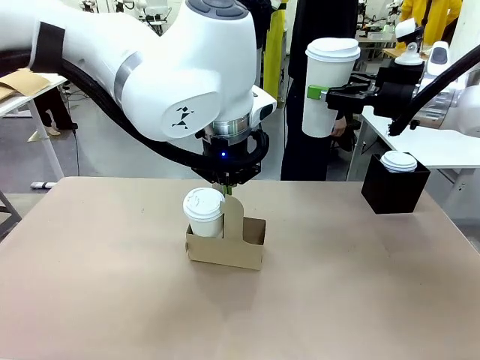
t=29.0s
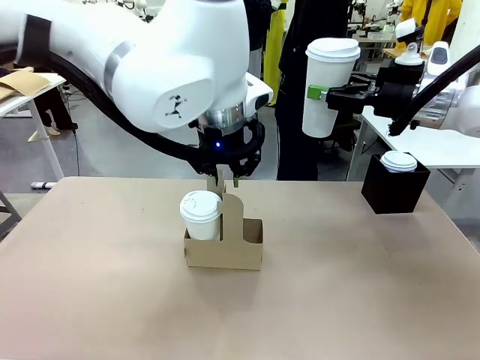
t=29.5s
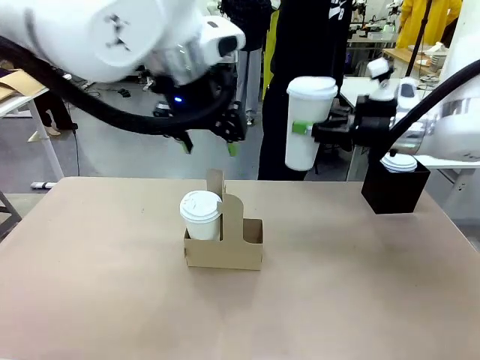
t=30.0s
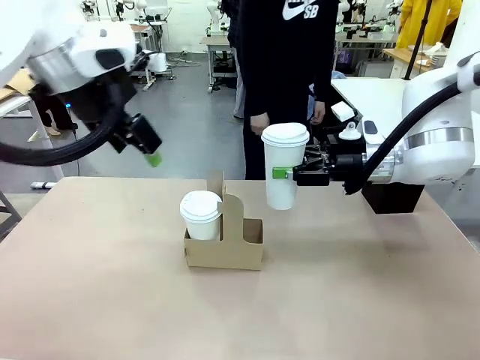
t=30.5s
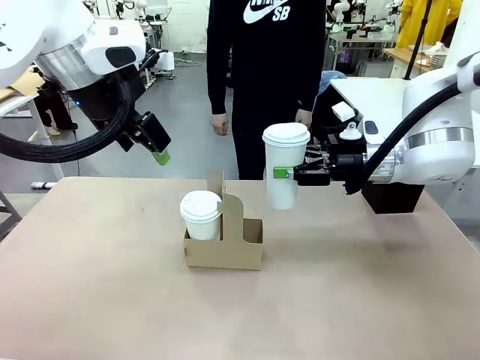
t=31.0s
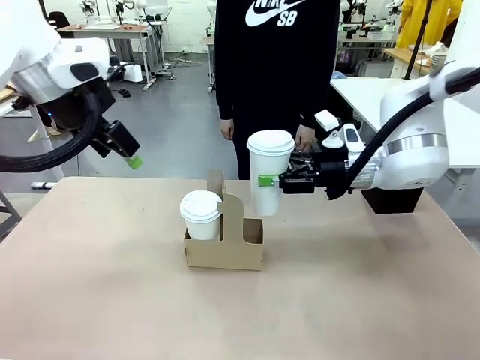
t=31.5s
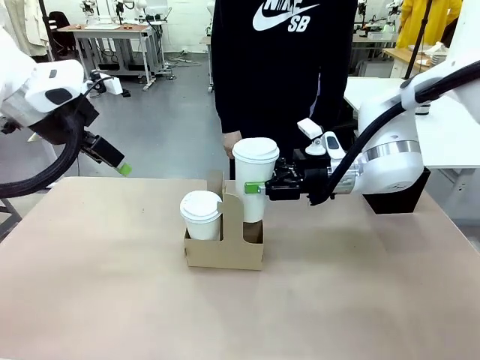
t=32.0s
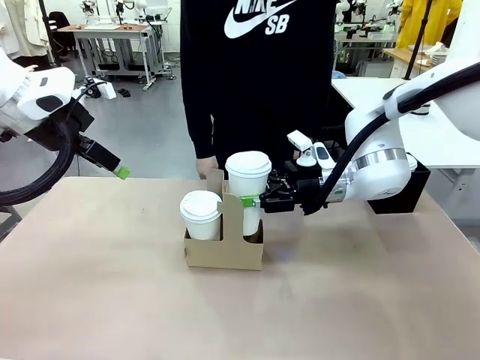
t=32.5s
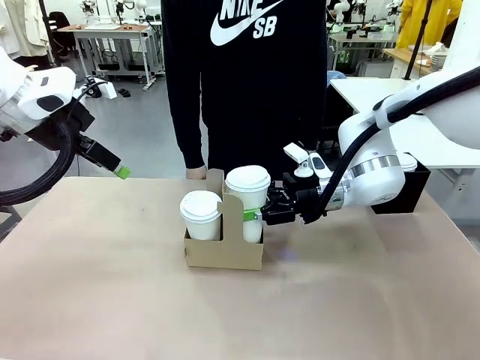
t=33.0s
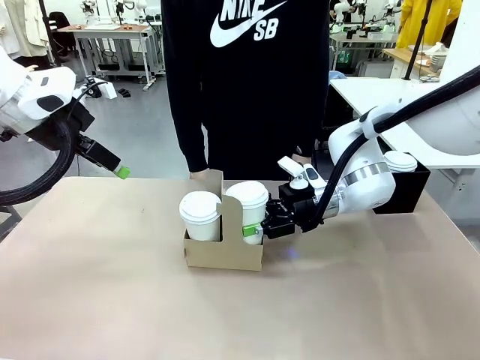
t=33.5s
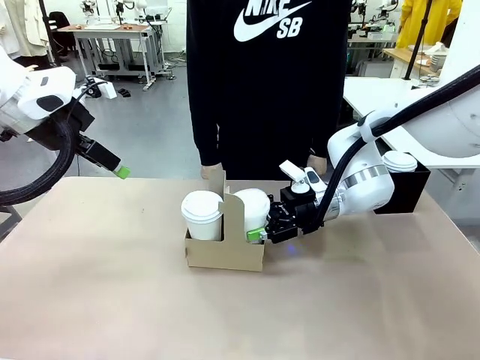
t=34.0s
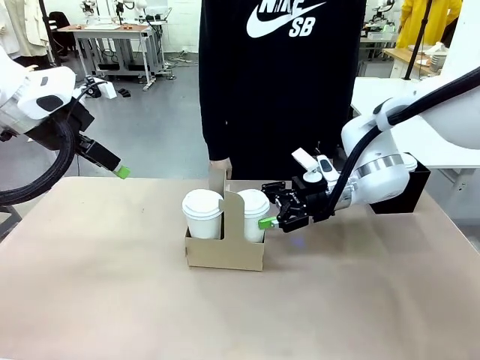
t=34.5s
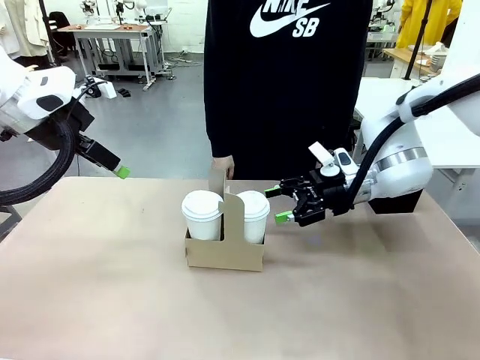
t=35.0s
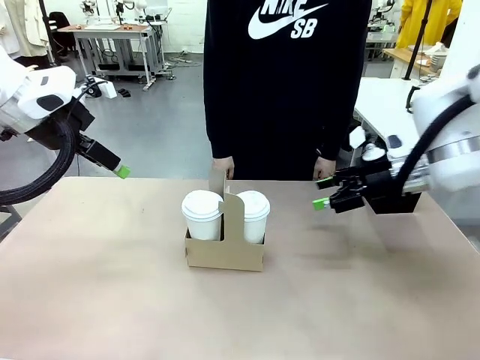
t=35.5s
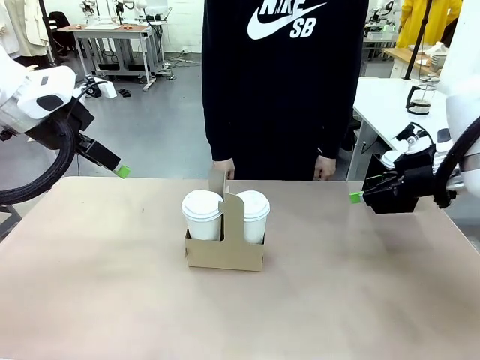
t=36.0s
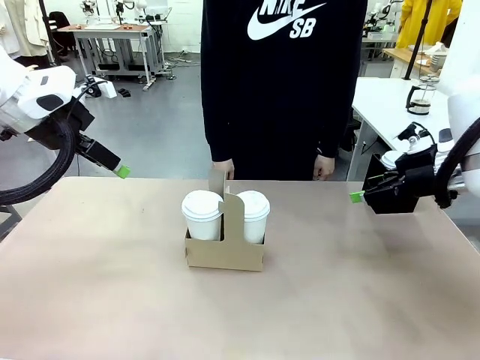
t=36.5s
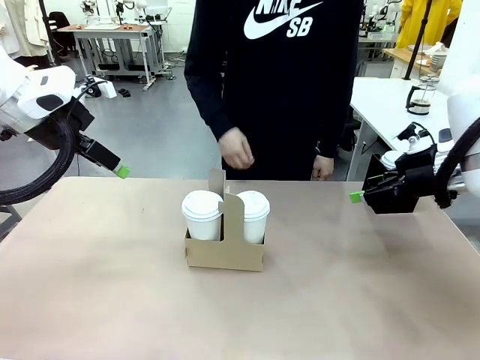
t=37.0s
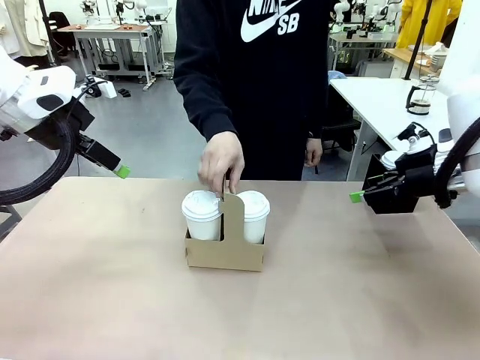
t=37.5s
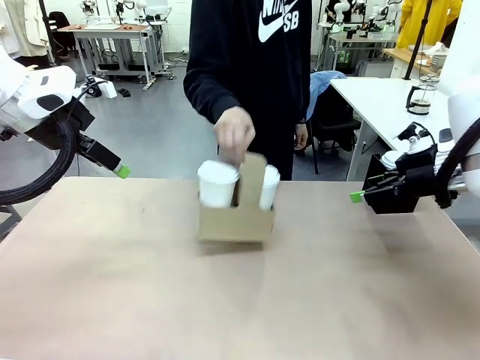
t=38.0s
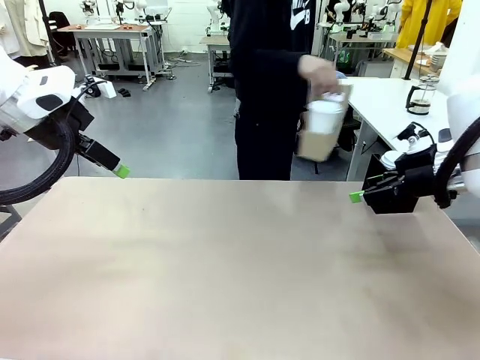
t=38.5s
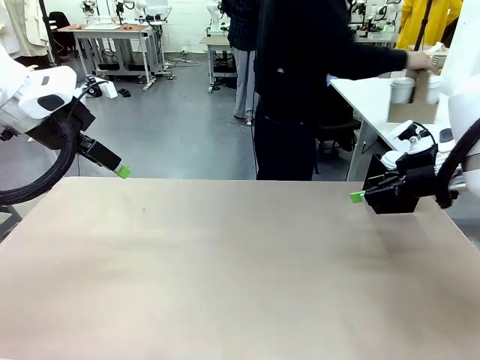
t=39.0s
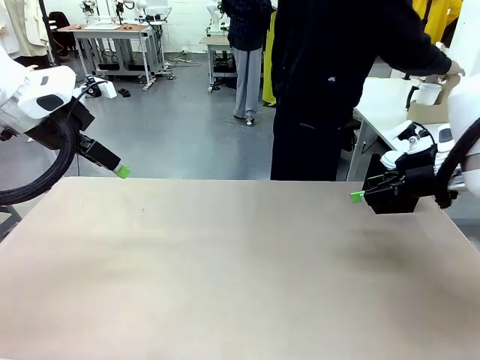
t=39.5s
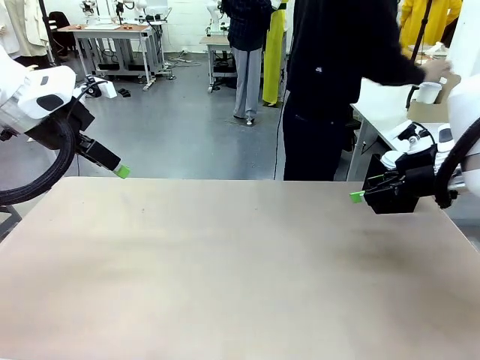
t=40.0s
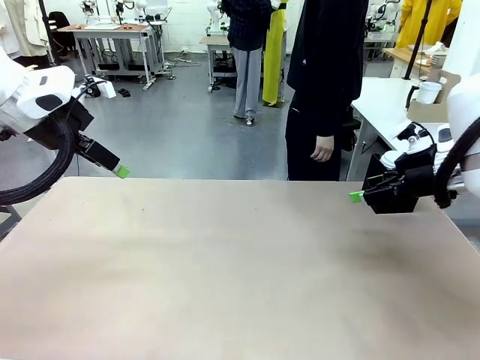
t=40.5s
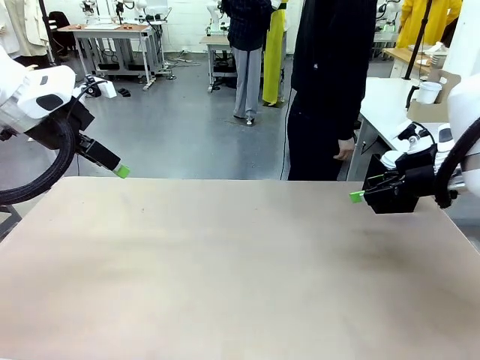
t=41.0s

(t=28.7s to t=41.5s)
Task: Pour a drink into a cup and package it in a carrier.
Robot: Insert the held 600 ml Paper Cup into the Cup Carrier.
Person: Place the Cup Carrier to the middle of Human table.

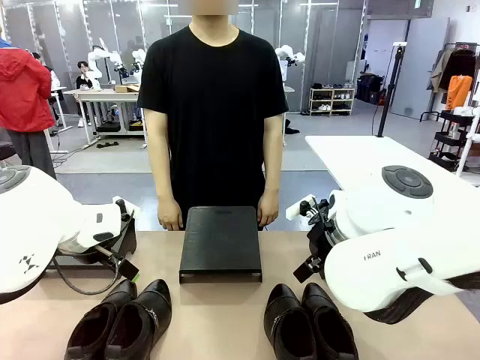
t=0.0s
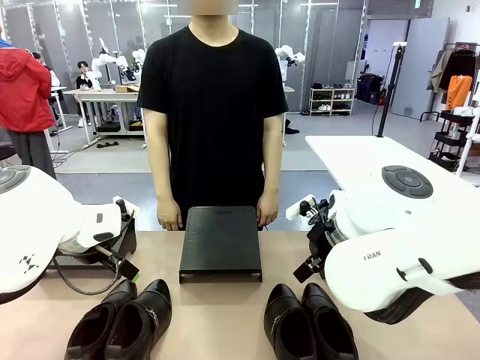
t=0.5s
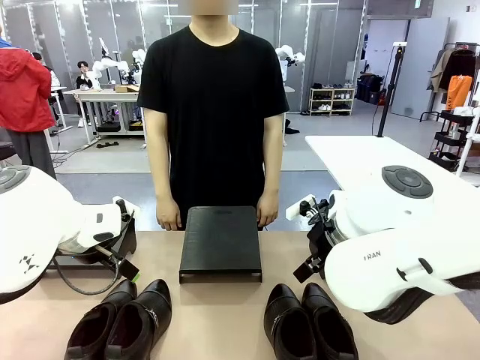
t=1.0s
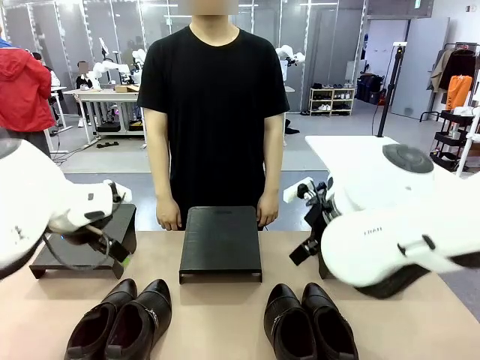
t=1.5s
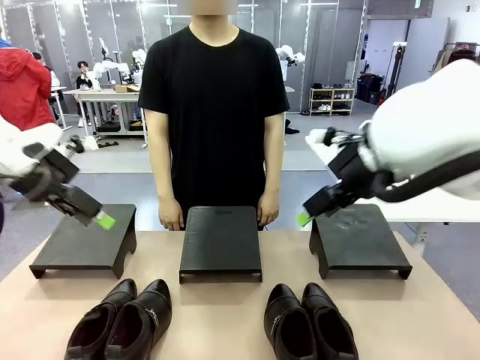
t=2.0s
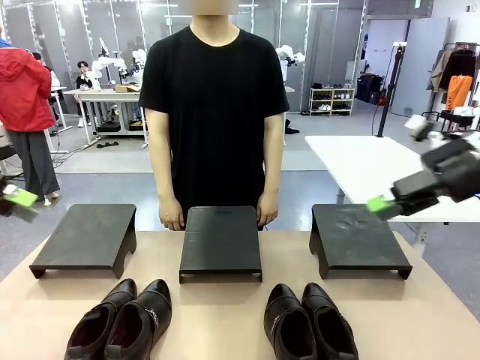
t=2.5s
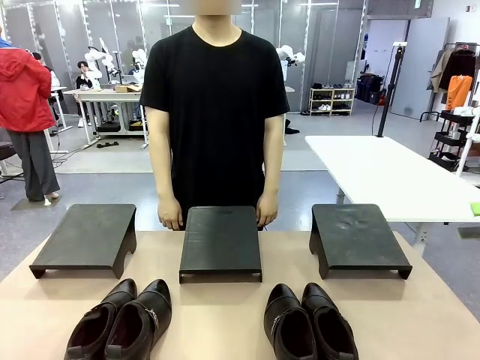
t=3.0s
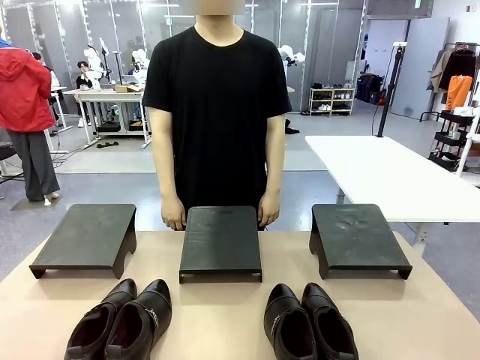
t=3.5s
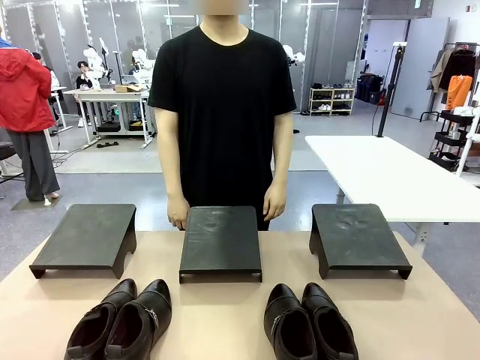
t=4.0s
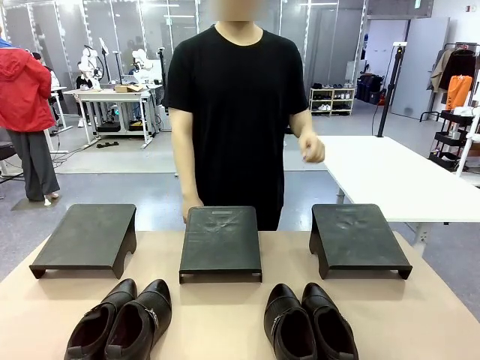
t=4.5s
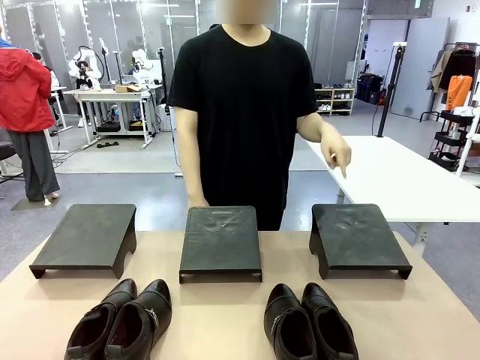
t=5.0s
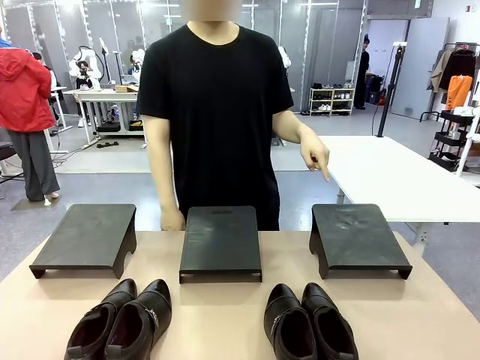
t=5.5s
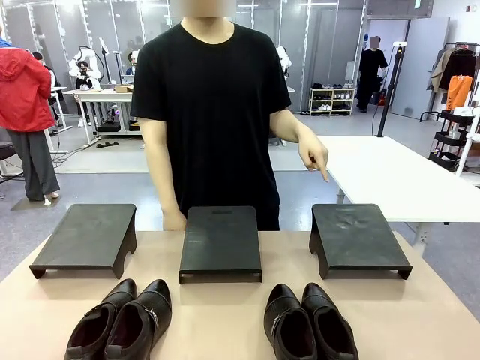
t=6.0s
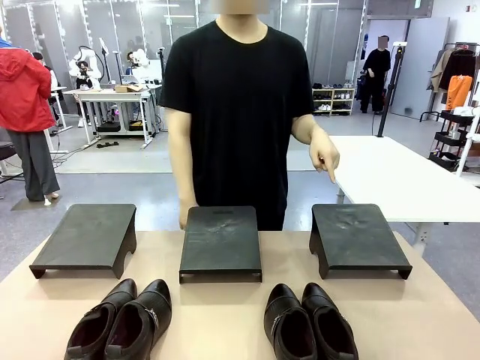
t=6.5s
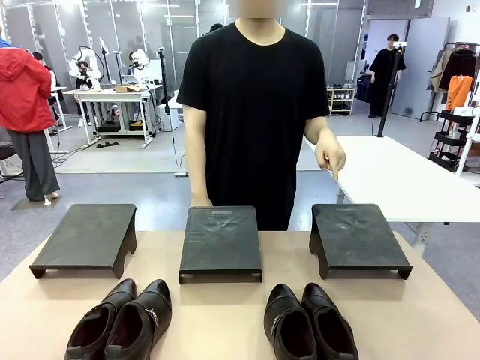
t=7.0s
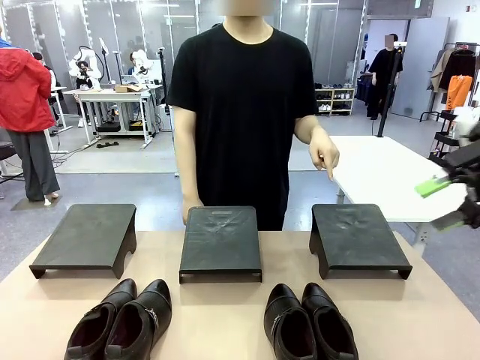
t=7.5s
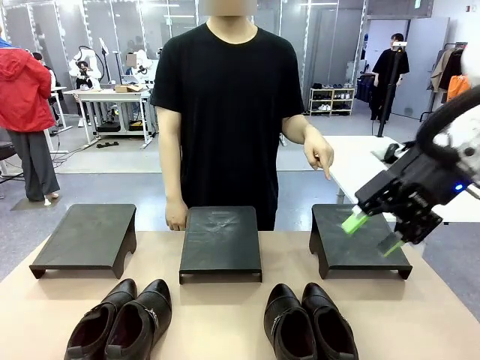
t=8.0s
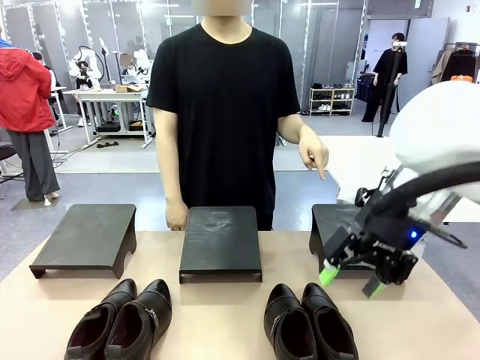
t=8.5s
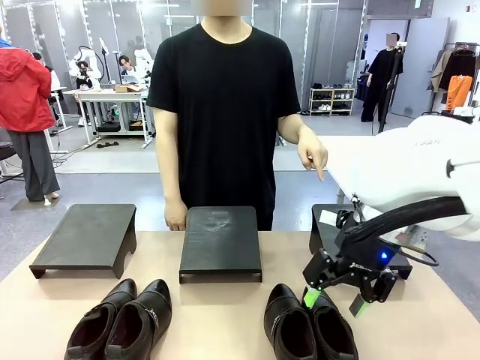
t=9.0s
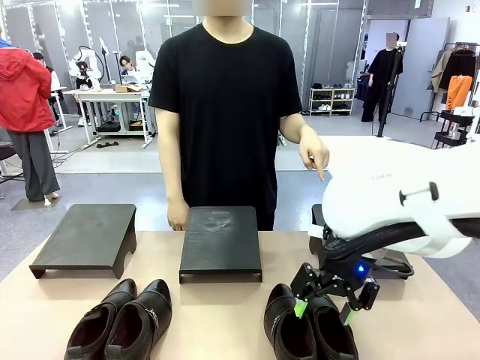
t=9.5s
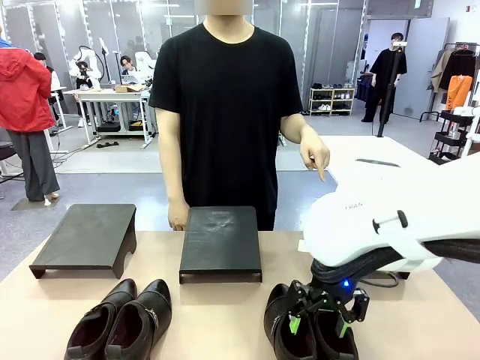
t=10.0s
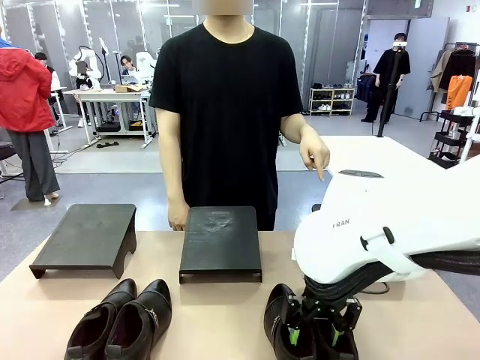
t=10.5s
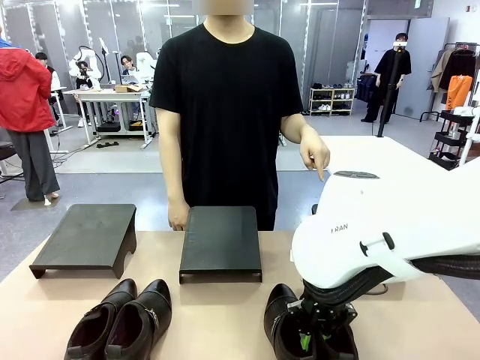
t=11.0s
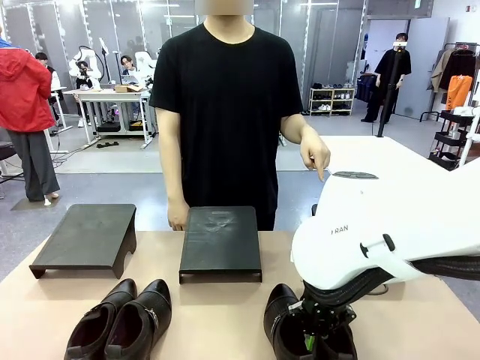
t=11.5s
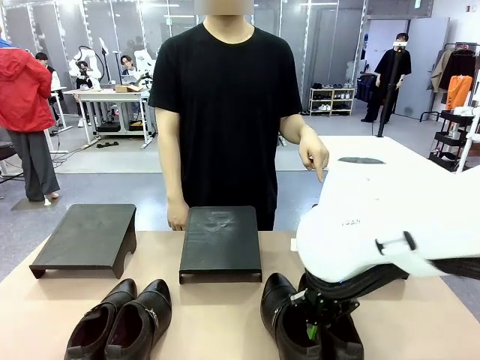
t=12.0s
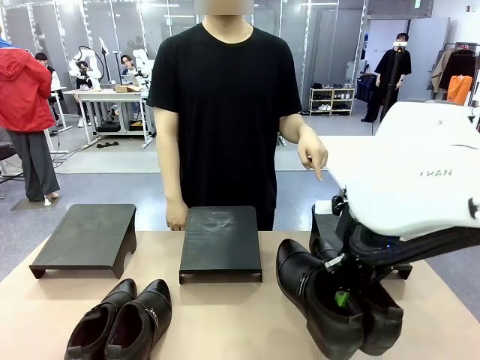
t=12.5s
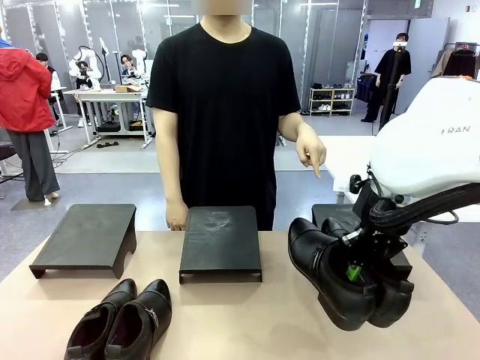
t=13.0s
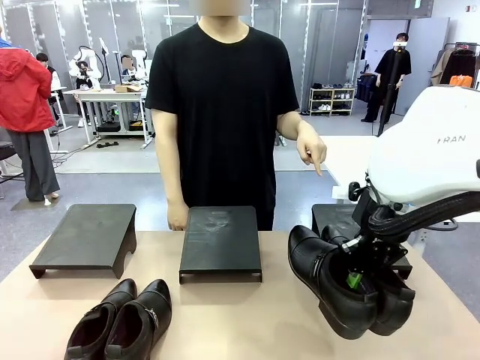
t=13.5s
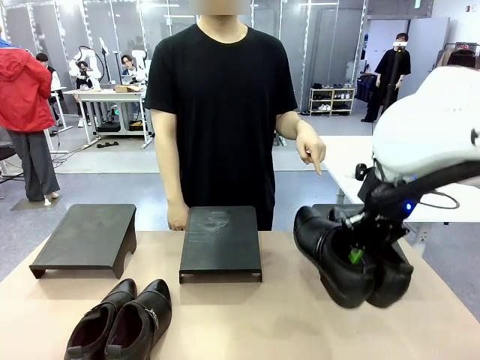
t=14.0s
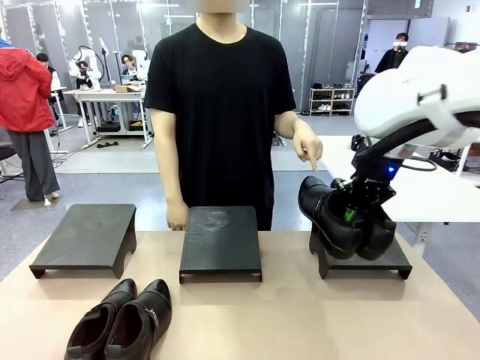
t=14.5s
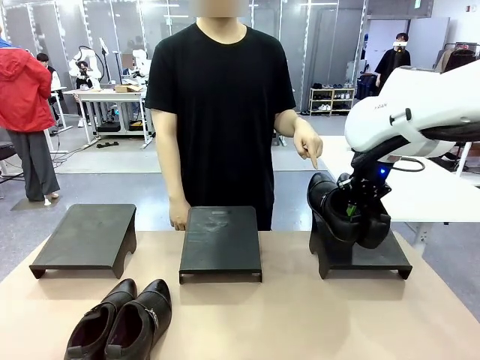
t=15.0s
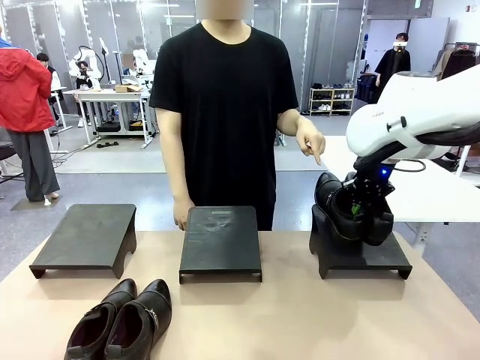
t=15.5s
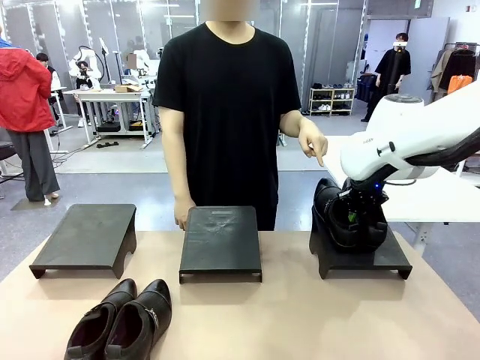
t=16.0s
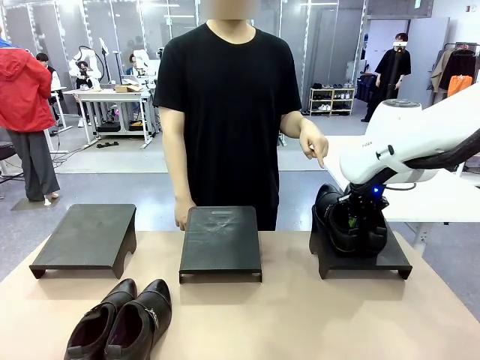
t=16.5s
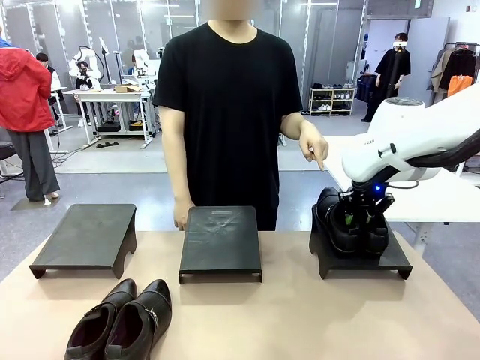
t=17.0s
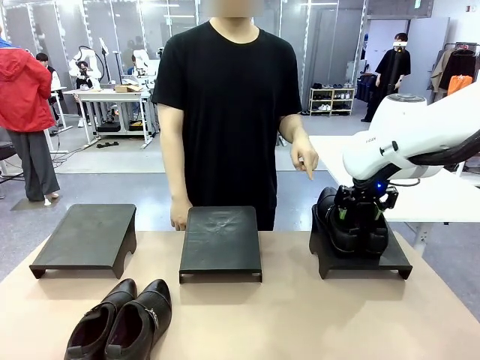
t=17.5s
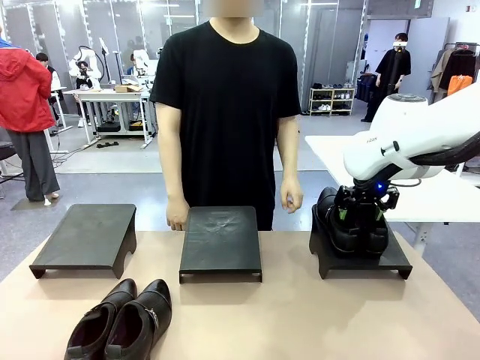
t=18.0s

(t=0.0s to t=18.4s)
Task: Place the shoes on the stand as instructed by the person.
Robot: Pick up one pair of Shoes and place it on the Shoes Stand indicated by the person.
